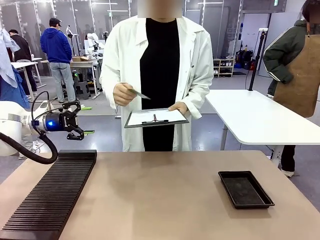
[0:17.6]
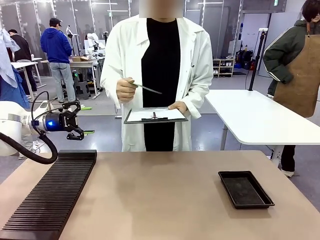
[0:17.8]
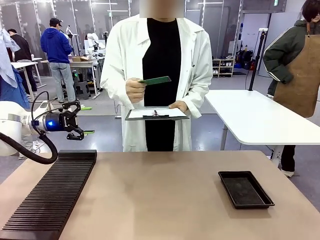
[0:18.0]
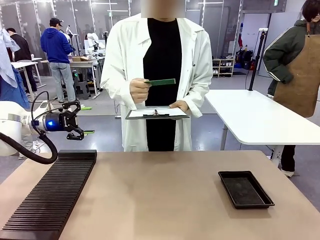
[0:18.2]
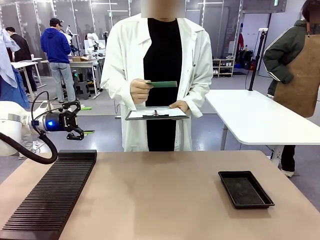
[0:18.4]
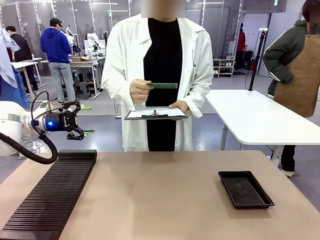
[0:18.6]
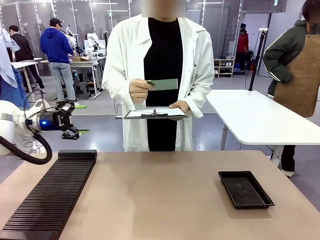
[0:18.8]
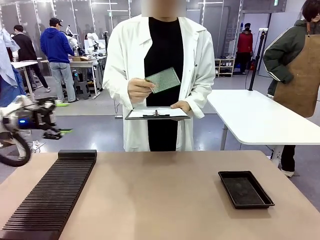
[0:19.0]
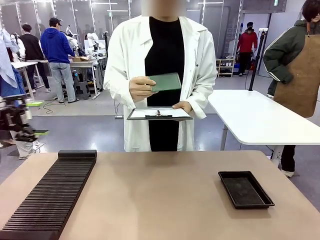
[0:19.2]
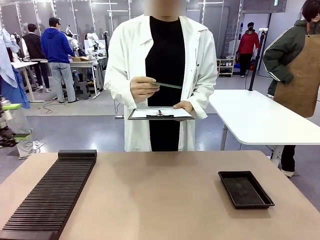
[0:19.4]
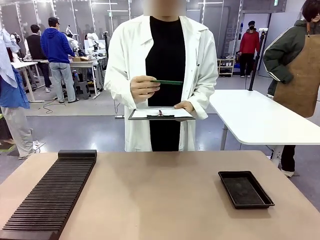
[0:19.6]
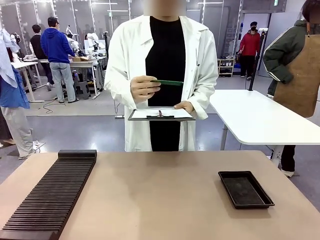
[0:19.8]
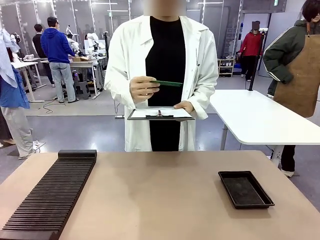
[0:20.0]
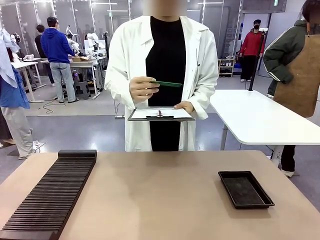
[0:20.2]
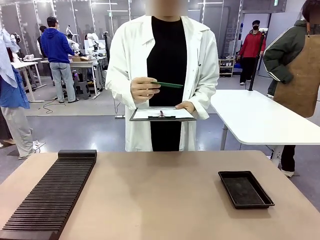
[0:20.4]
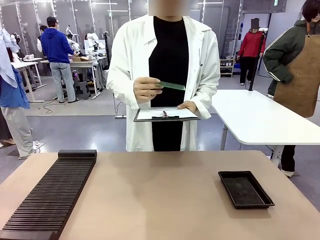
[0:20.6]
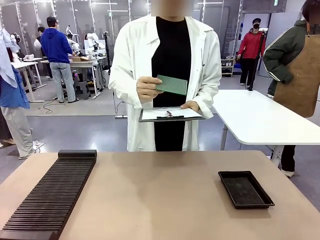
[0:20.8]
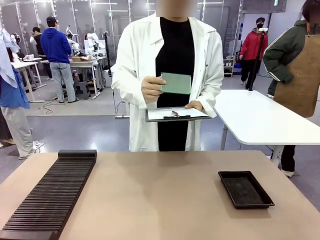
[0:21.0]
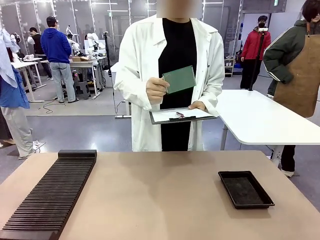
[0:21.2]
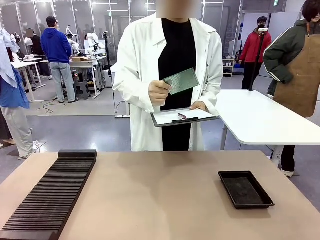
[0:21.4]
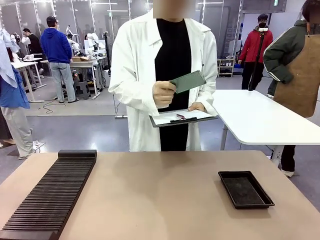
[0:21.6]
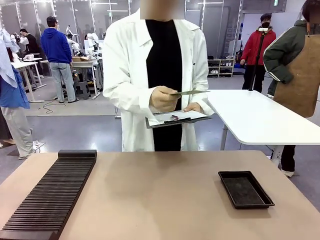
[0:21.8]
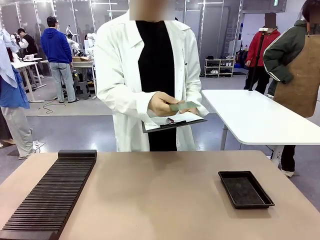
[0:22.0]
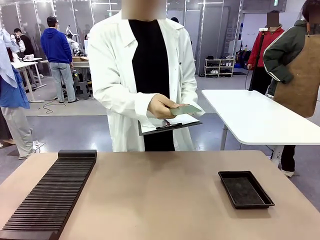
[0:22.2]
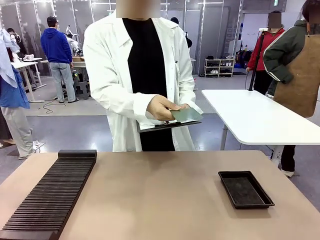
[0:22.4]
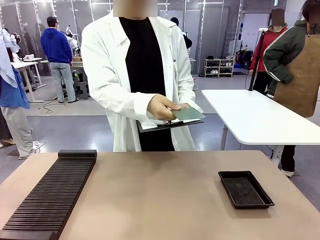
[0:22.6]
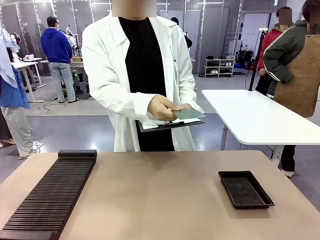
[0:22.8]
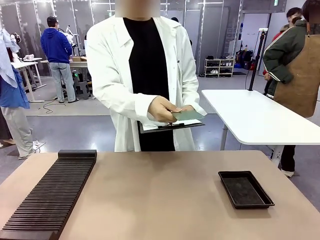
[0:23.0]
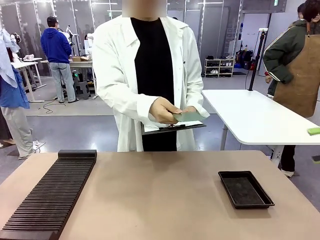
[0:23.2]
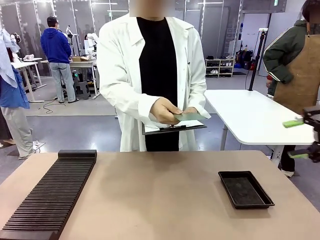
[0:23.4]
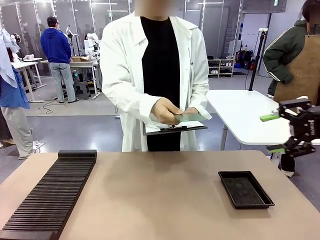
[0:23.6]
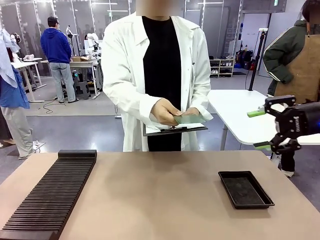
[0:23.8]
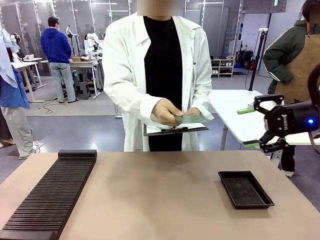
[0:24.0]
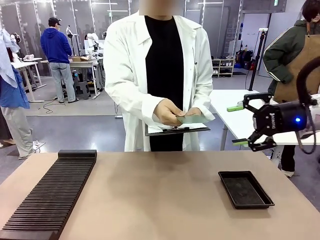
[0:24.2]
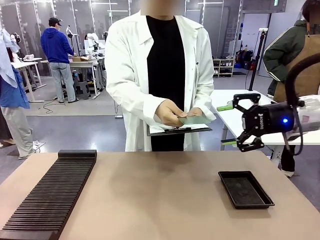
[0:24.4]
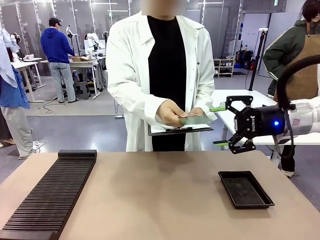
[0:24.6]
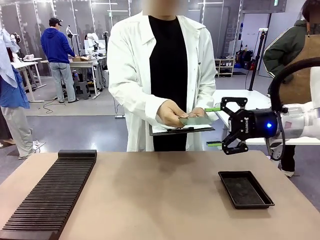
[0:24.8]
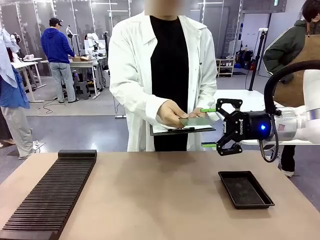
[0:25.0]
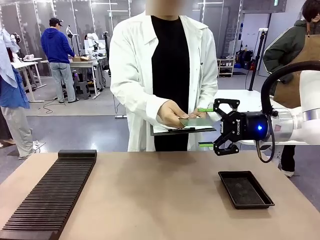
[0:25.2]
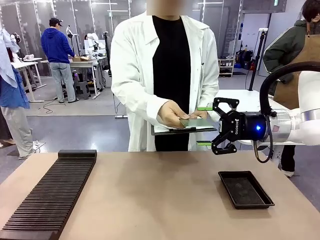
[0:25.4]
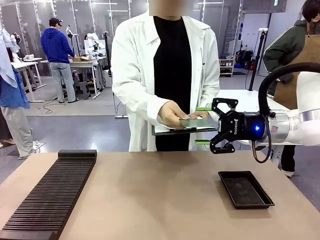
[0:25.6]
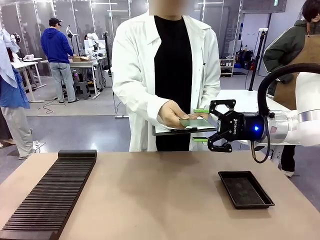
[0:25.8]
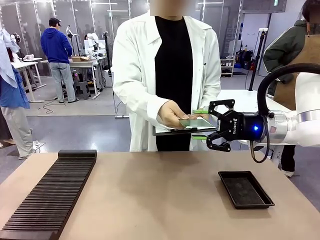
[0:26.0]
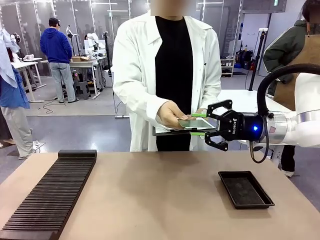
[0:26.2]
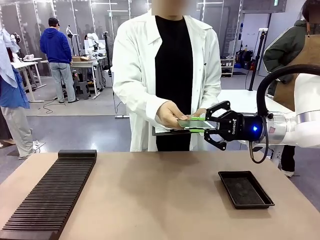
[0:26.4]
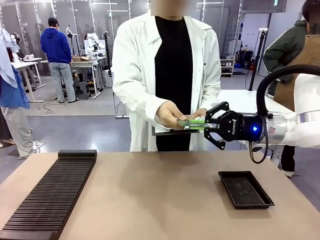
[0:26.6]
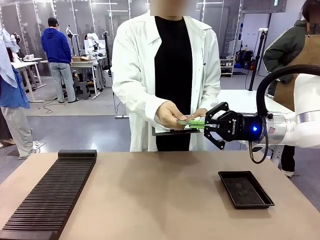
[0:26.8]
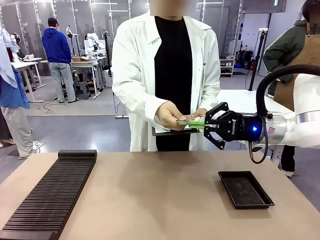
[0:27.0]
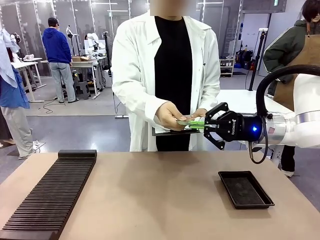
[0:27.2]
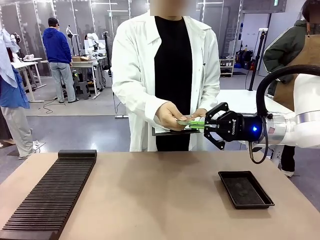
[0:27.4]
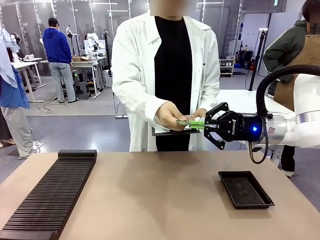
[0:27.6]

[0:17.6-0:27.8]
Task: Inspect the PCB.
Robot: Pick up the Blank PCB that the human is holding.
Person: Inspect the PCB placed by the robot, then hold it out in front of the robot. Release the PCB you were holding.

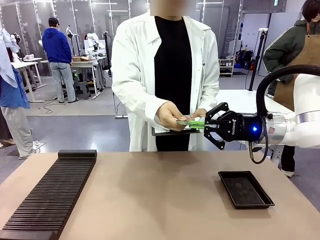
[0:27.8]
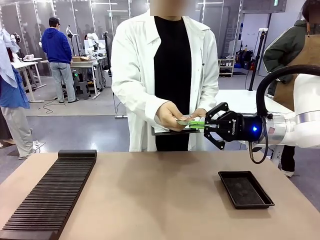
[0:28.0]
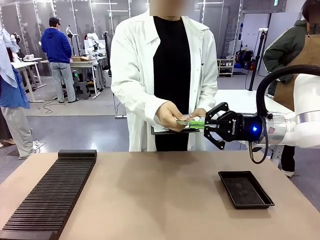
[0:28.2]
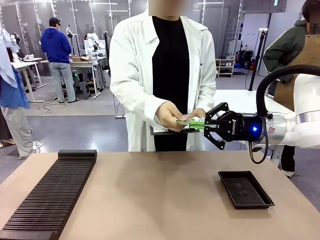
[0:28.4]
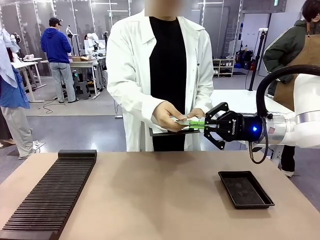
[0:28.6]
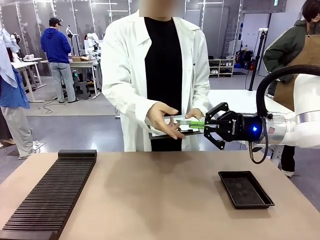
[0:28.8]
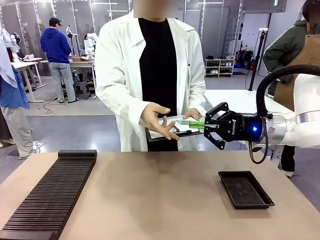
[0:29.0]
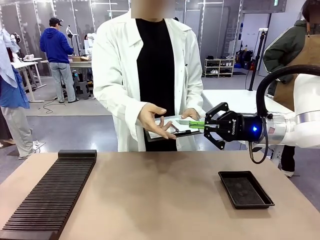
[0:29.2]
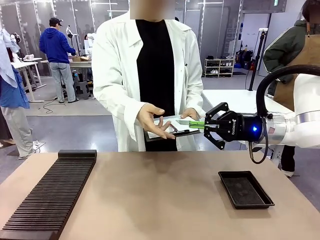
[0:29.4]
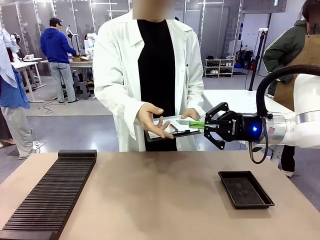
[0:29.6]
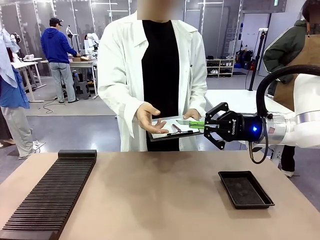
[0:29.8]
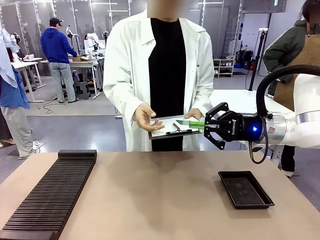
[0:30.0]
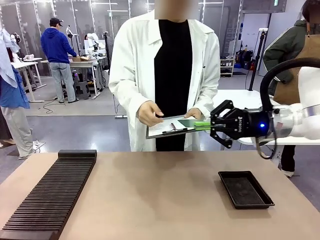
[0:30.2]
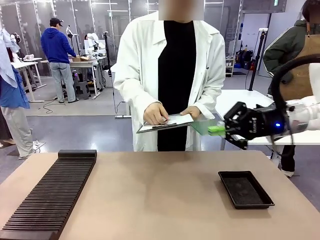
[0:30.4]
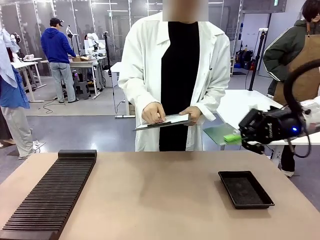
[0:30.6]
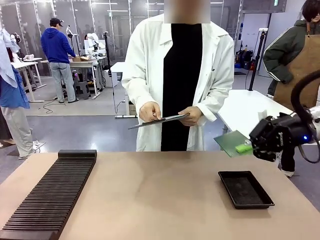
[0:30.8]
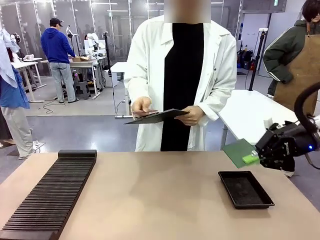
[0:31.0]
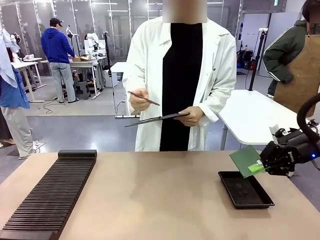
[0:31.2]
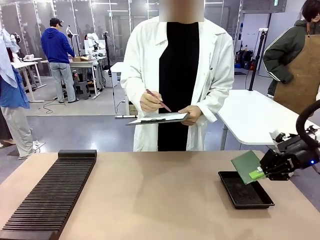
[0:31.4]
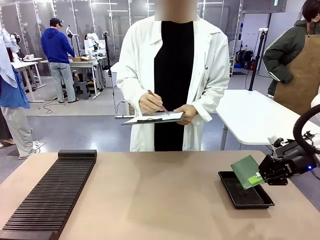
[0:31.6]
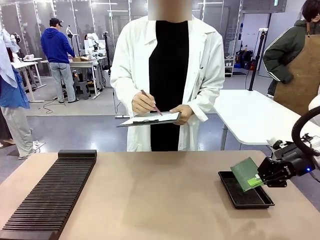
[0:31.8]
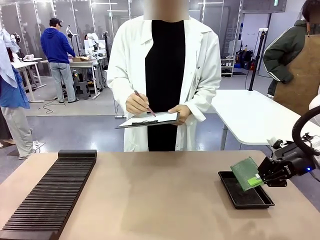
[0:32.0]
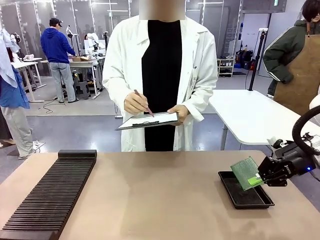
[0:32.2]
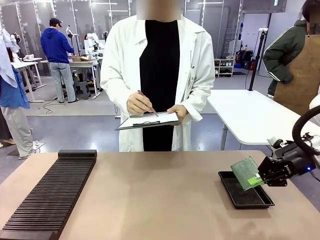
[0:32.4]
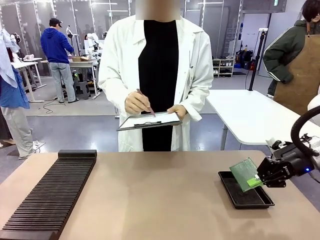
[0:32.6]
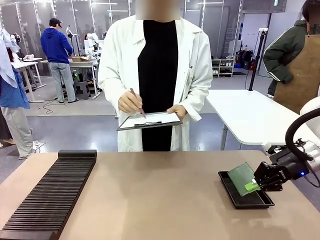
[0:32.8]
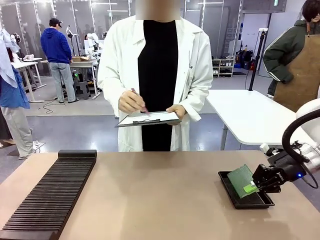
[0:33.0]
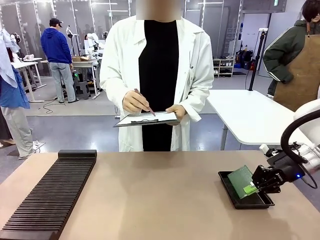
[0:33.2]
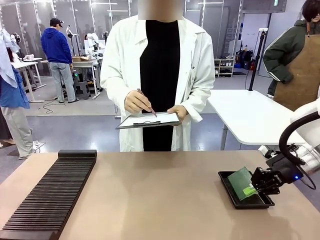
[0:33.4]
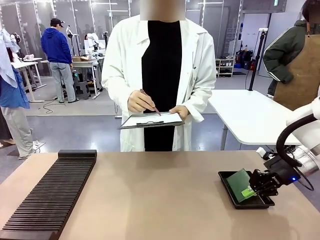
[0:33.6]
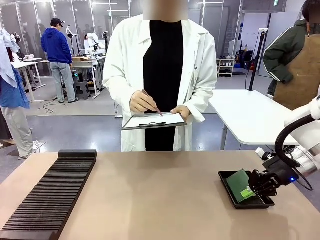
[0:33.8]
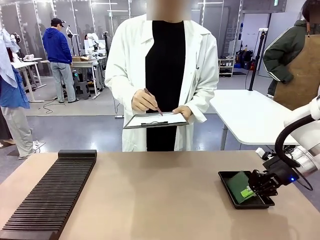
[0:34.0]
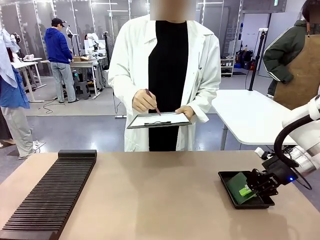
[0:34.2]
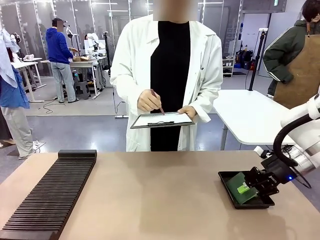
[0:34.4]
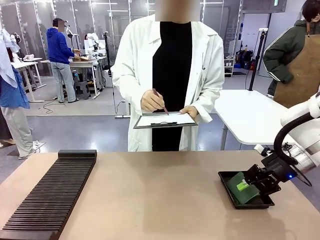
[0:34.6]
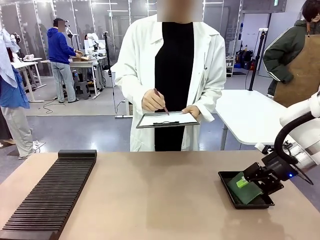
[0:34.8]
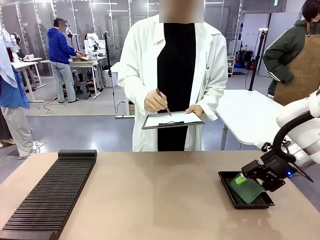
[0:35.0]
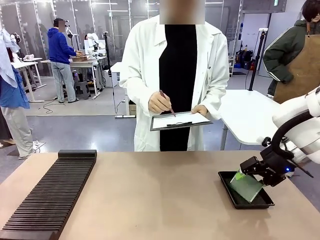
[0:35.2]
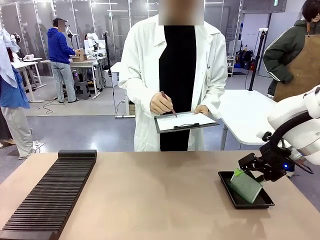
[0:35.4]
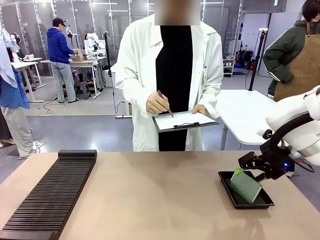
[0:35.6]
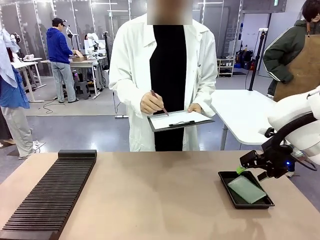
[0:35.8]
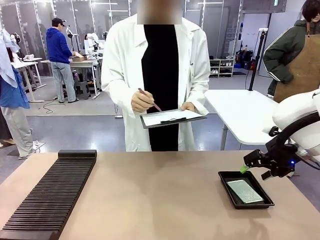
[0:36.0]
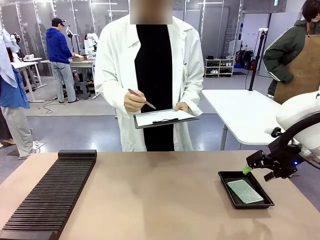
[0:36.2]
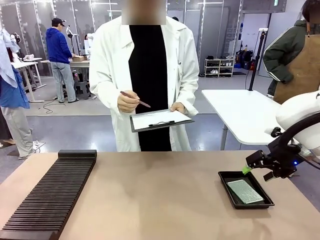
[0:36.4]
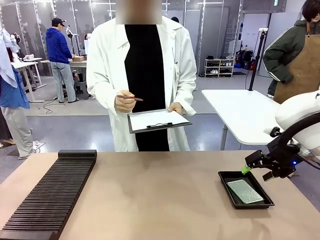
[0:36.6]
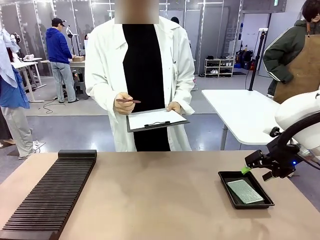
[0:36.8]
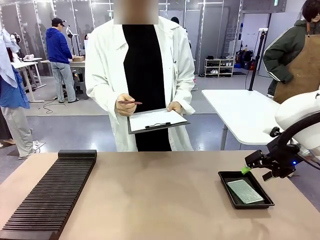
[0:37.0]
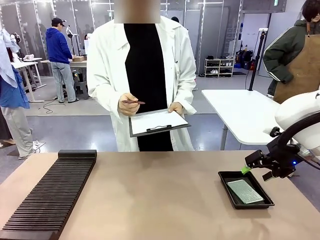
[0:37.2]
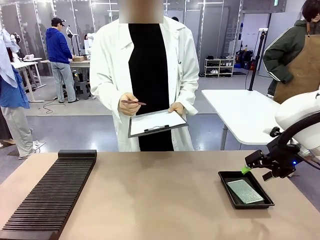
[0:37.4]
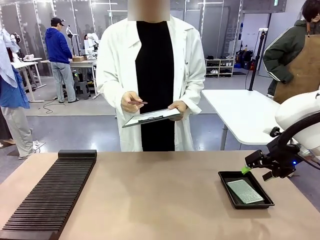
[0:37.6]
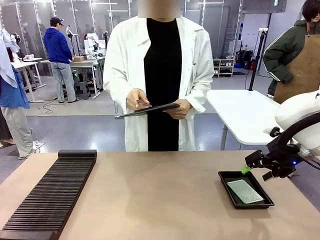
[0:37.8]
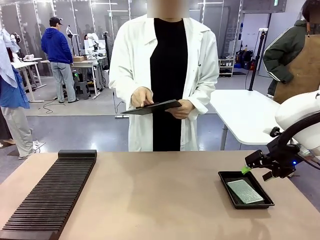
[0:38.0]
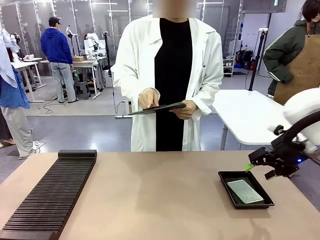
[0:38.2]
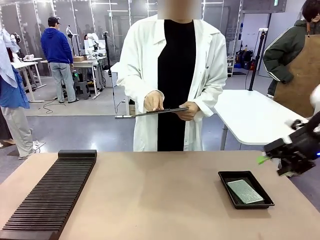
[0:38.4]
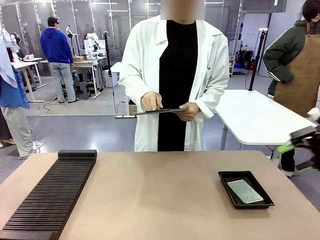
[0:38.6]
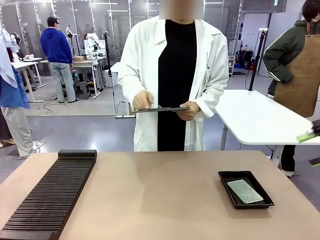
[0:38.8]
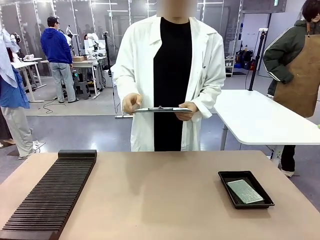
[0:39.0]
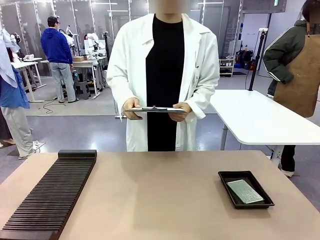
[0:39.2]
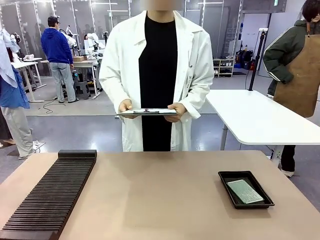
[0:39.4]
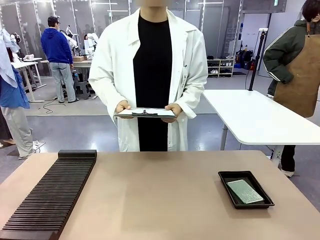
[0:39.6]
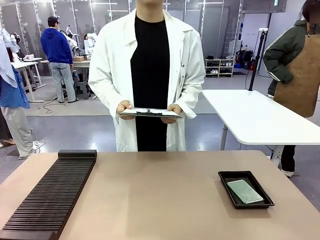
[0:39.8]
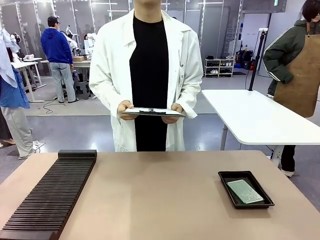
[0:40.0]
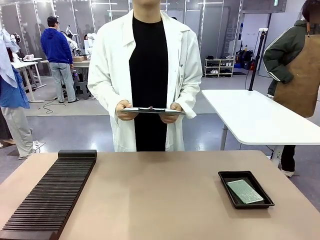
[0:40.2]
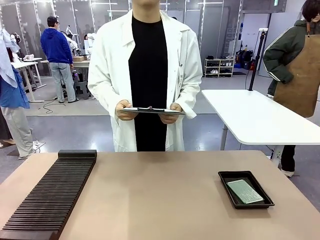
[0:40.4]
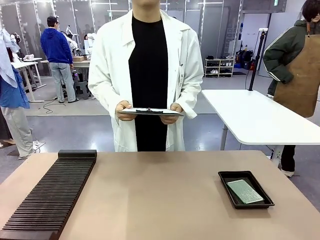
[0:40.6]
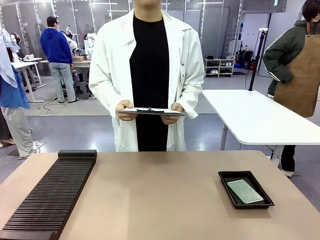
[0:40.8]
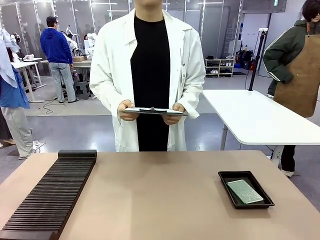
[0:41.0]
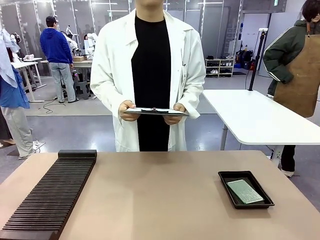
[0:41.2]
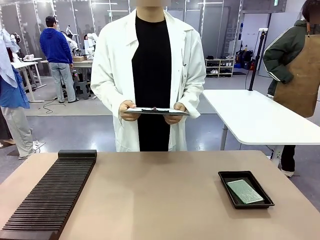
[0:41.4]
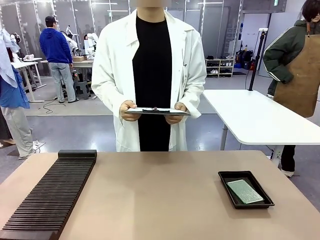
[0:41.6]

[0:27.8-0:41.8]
Robot: Place the Blank PCB in the ESD tray.
Person: Record the PCB status on the paper.
